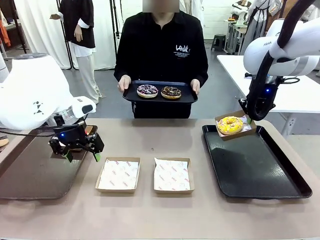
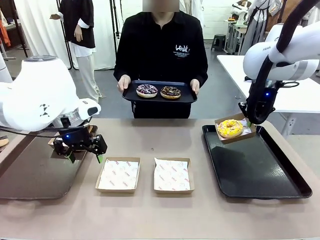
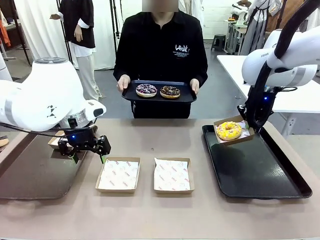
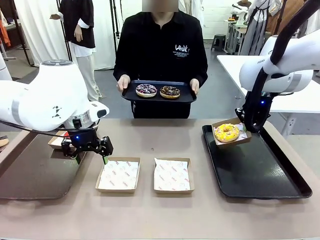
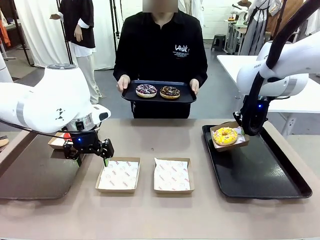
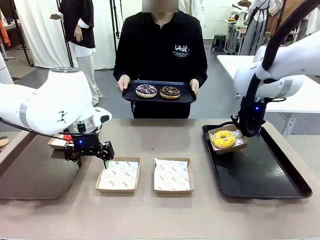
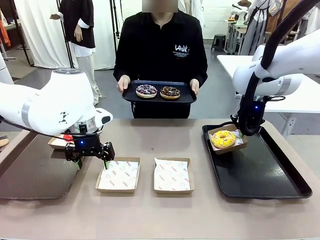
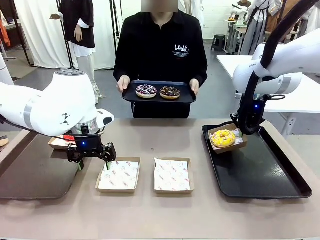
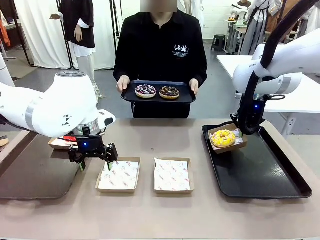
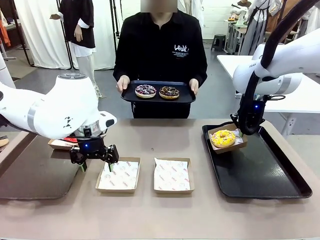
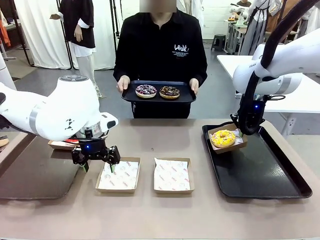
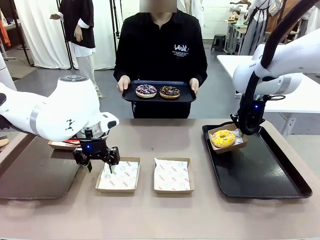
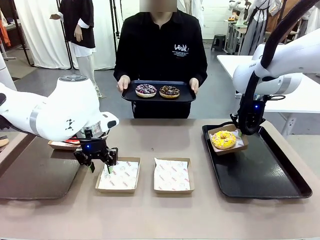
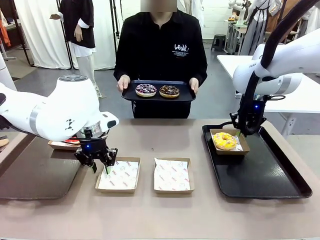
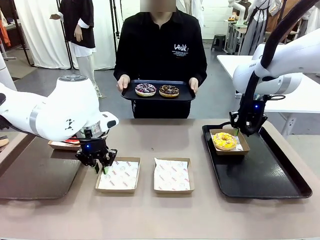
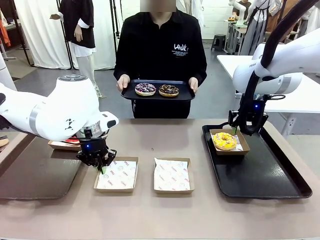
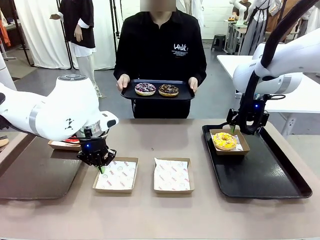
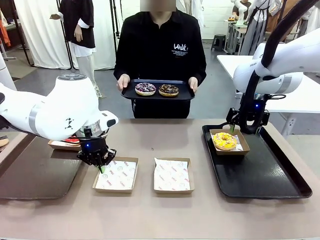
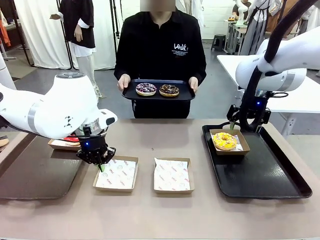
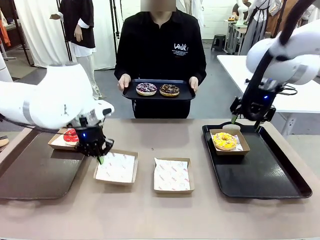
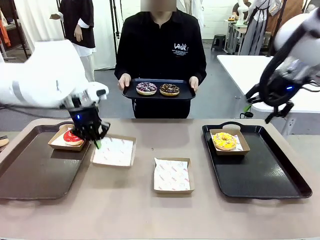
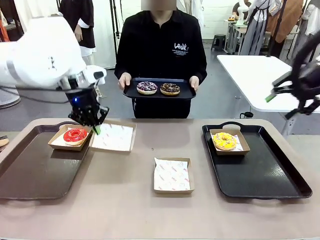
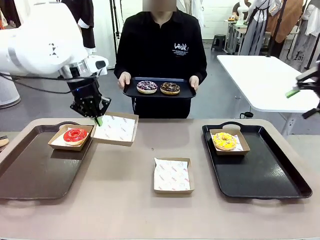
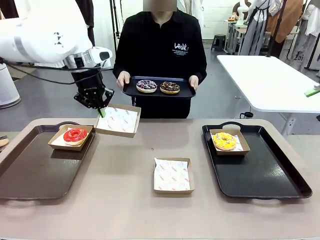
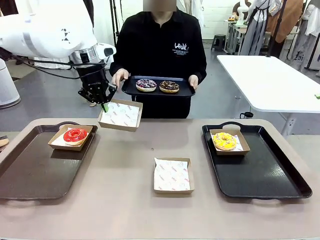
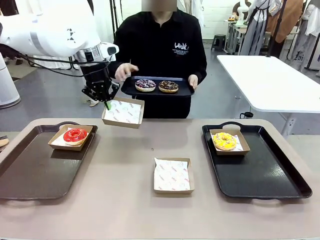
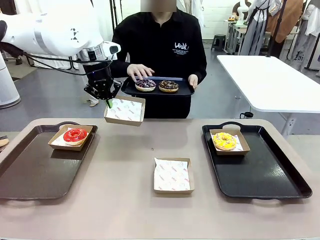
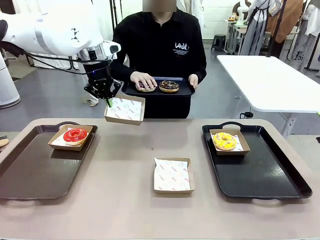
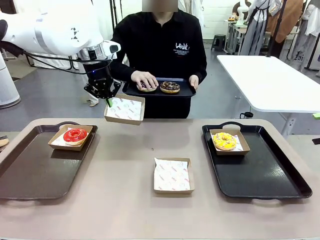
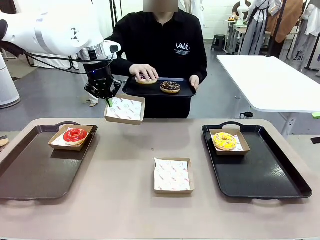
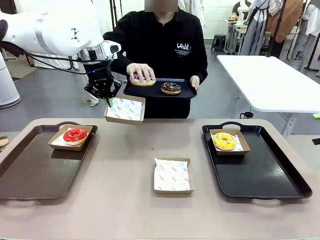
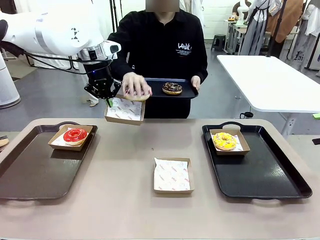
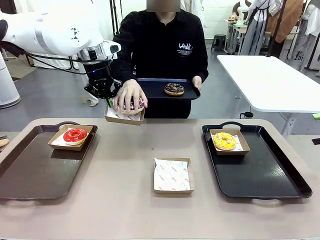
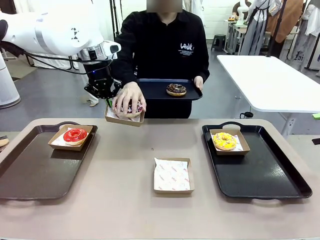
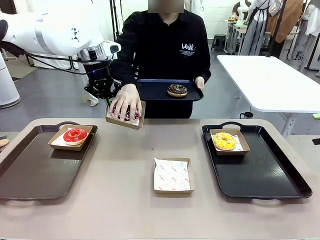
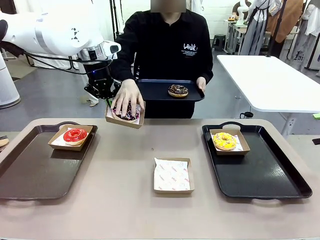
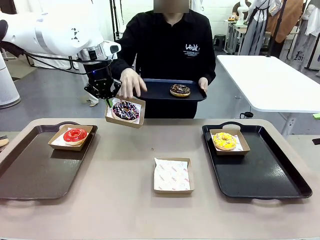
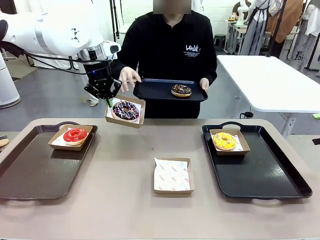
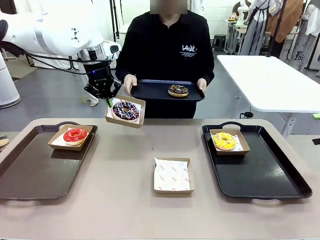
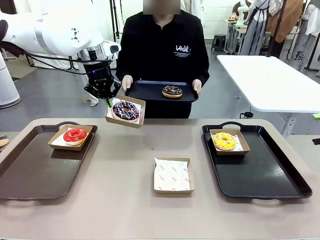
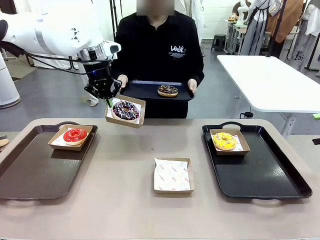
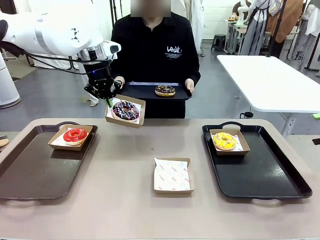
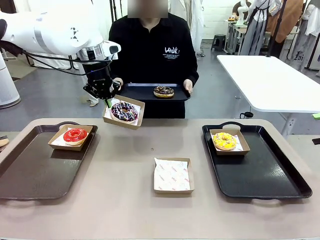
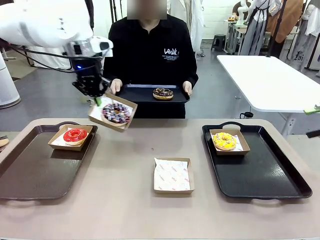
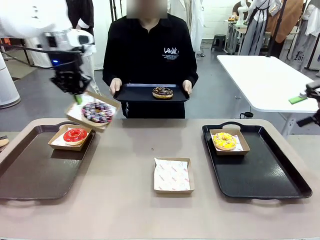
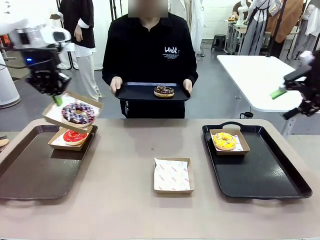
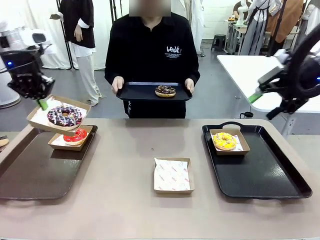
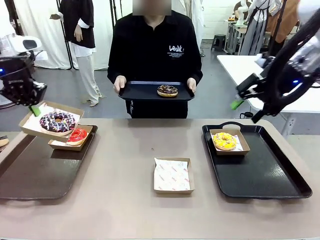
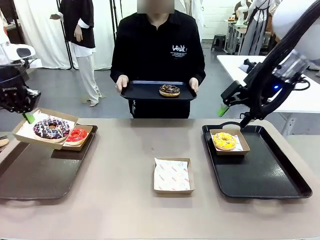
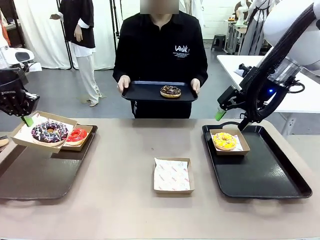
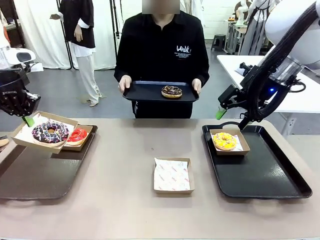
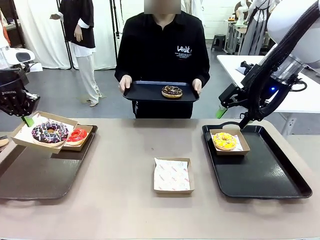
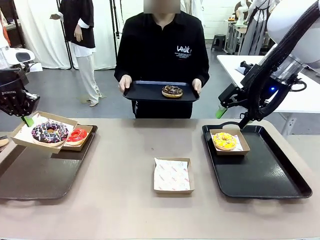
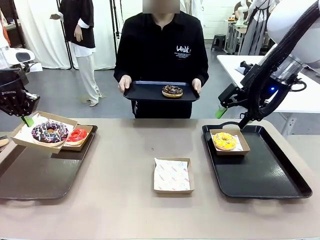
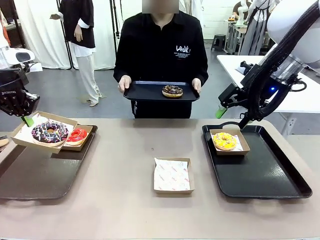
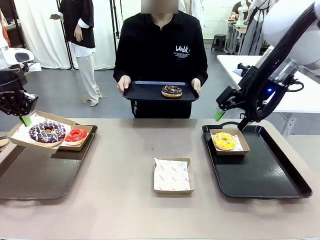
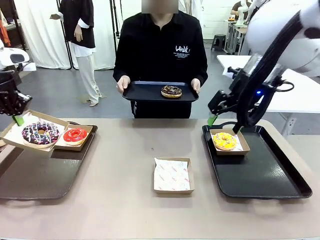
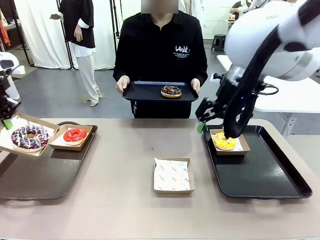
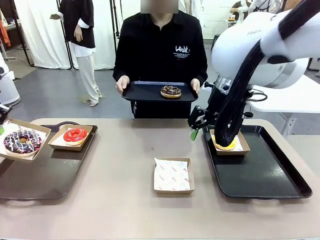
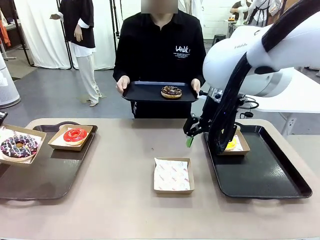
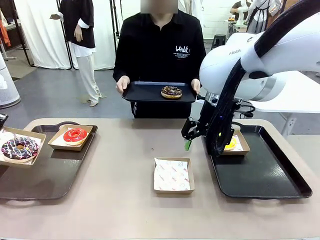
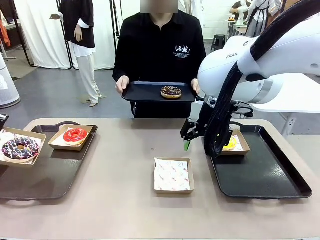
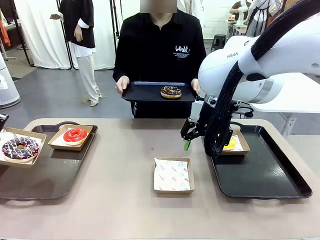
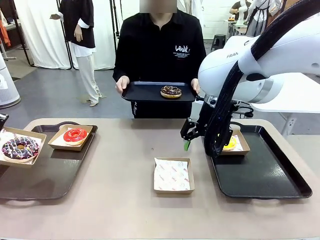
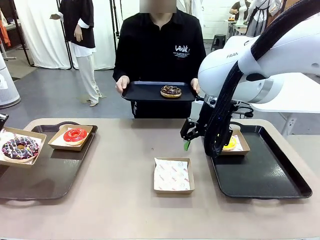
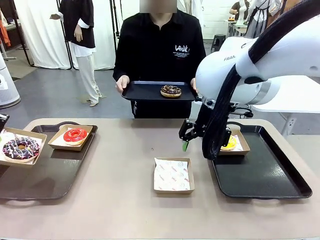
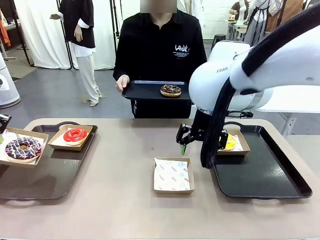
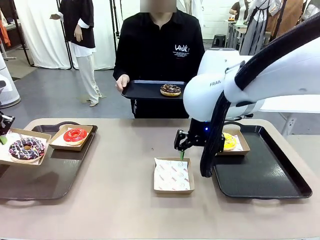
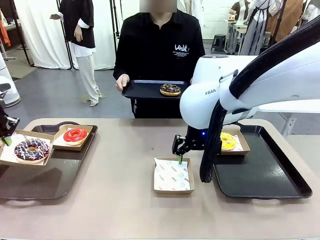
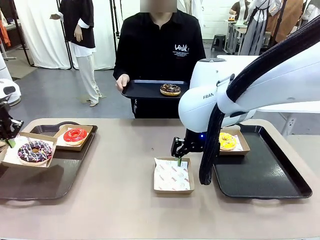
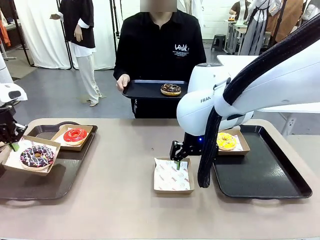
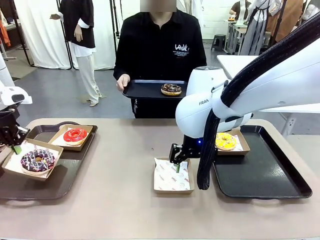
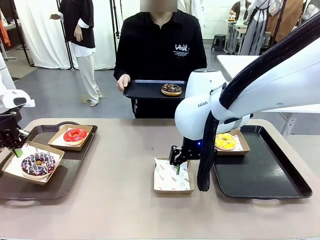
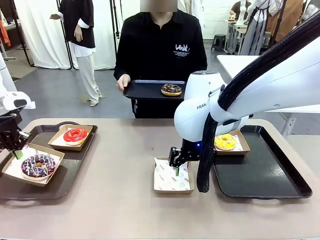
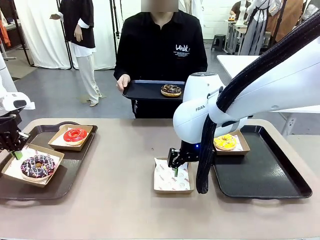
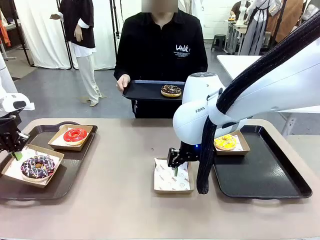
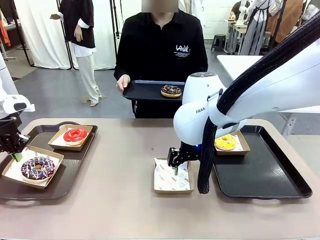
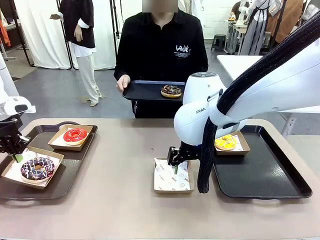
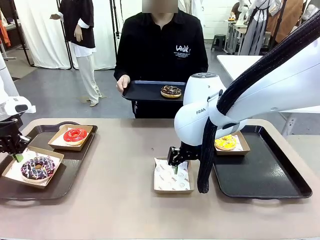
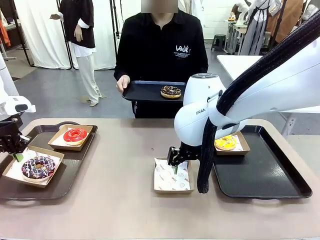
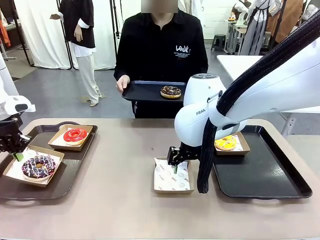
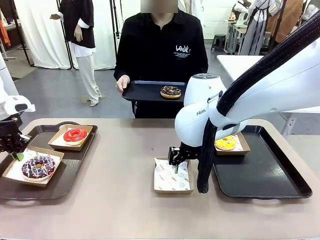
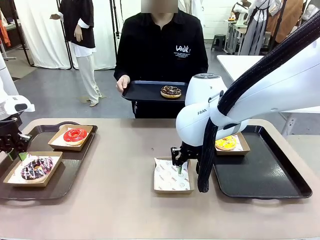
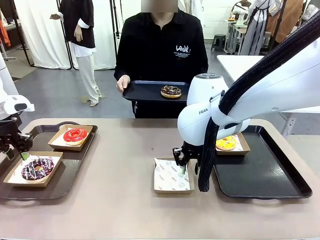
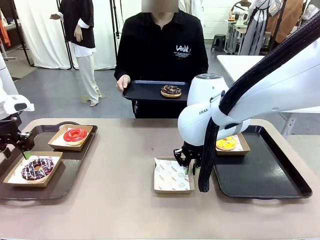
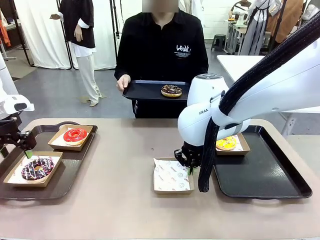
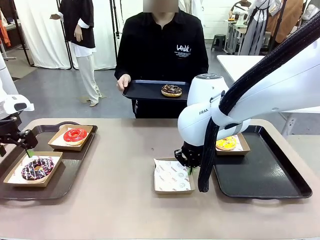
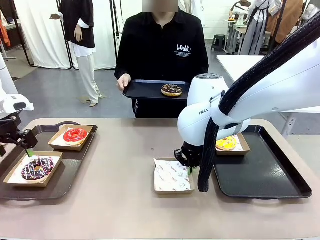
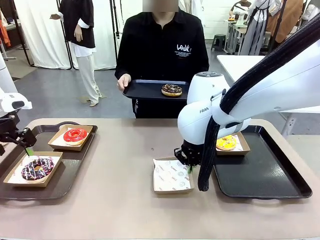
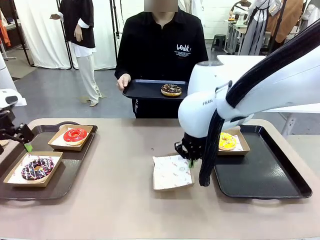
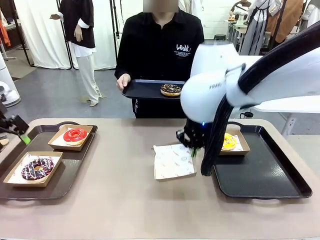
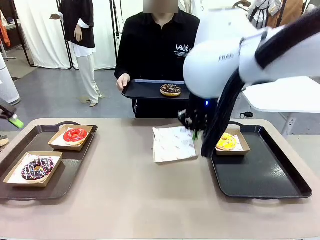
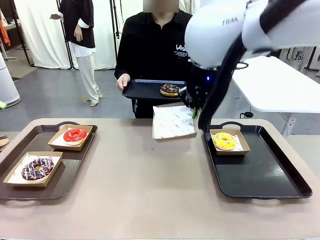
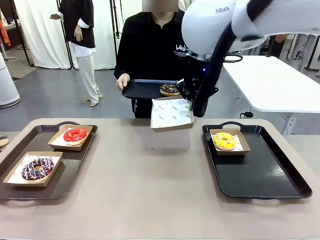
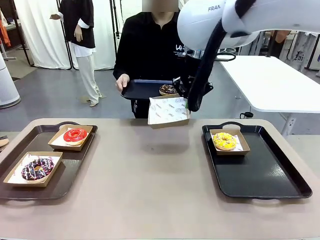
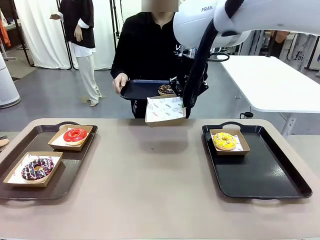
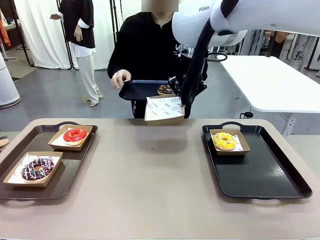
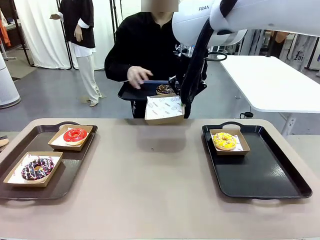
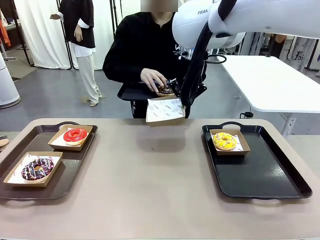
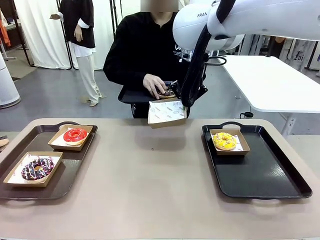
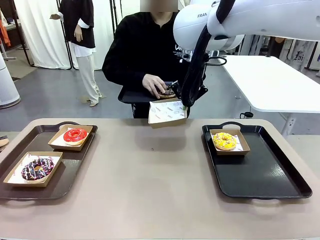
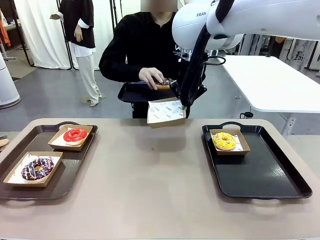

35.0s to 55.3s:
Task: Individually package the donuts and arrange them on the tray.
Robot: Place the picked Paper togo box on the Handle tray while simultaneously picking up another Paper togo box from the table with the other hand.
